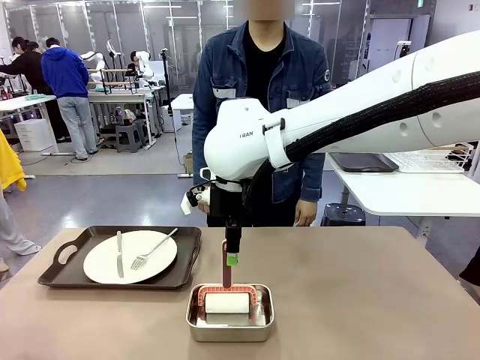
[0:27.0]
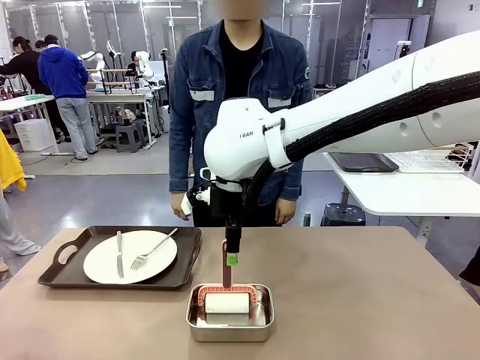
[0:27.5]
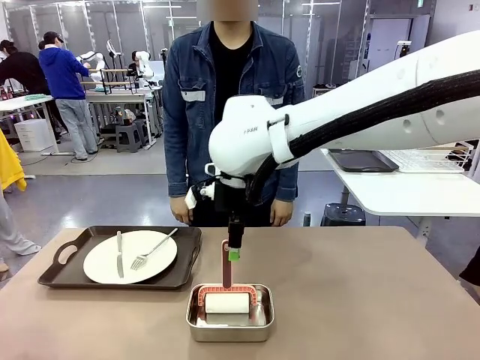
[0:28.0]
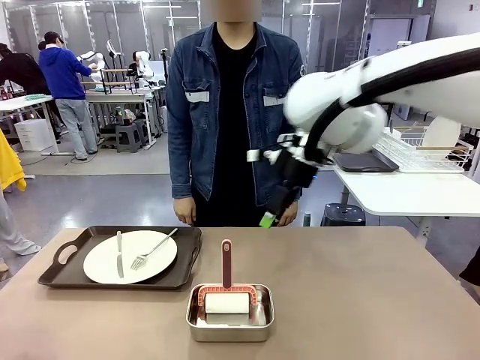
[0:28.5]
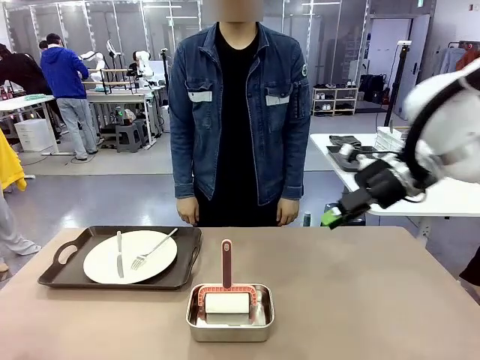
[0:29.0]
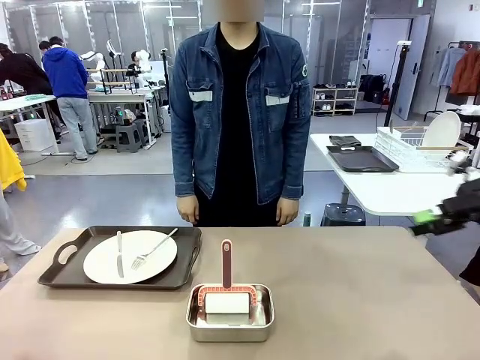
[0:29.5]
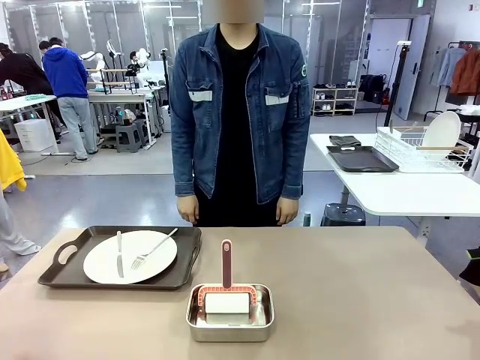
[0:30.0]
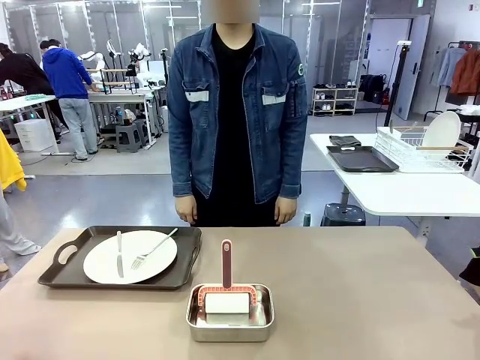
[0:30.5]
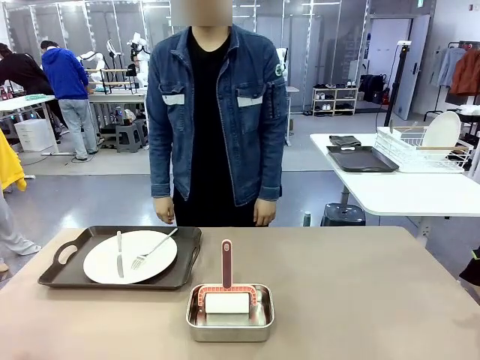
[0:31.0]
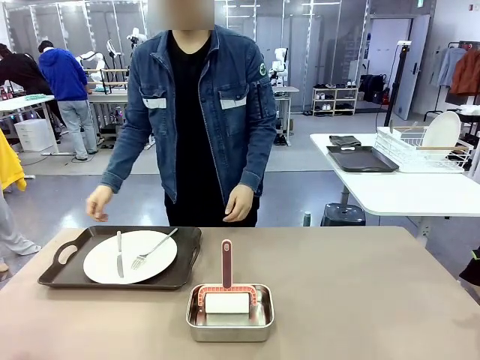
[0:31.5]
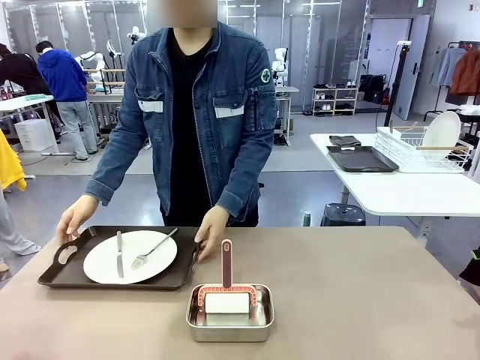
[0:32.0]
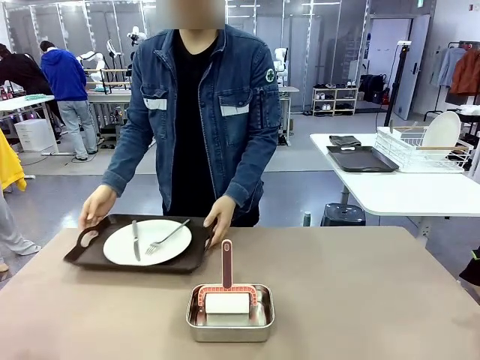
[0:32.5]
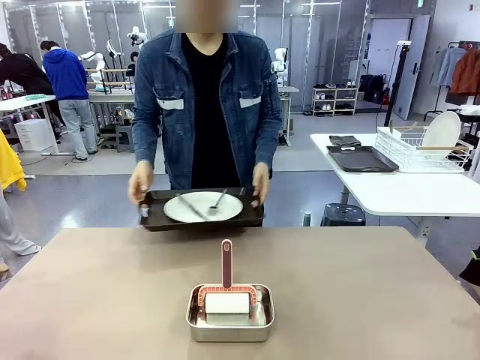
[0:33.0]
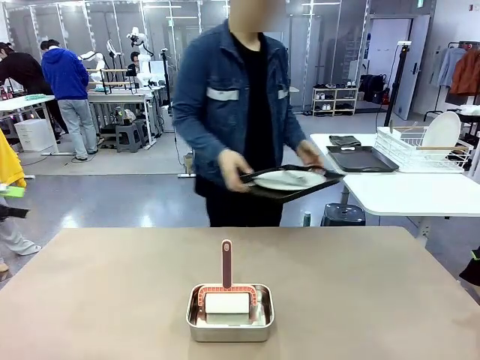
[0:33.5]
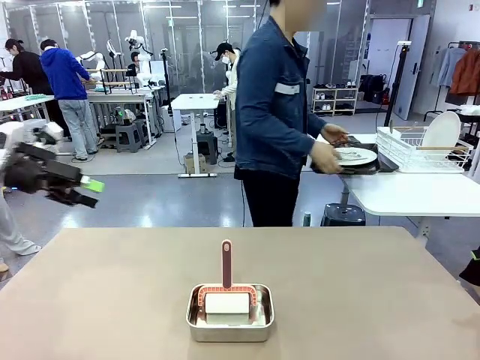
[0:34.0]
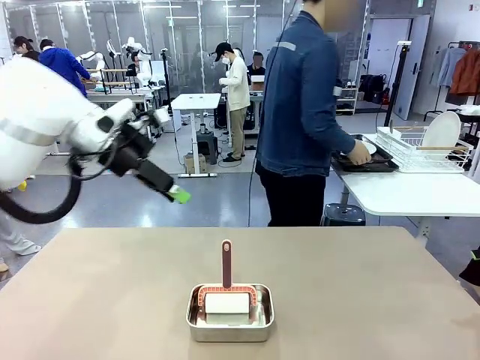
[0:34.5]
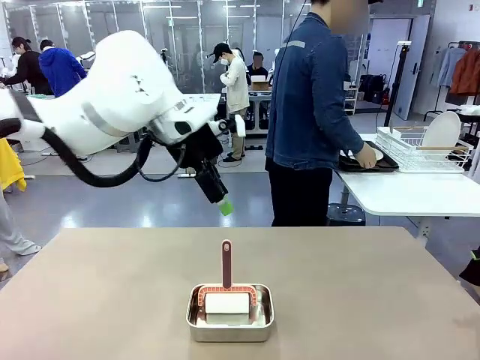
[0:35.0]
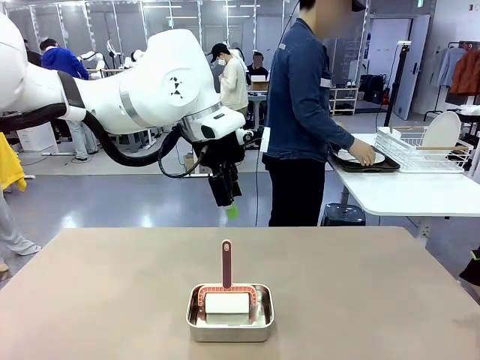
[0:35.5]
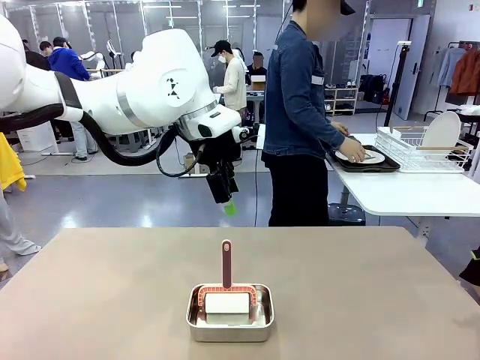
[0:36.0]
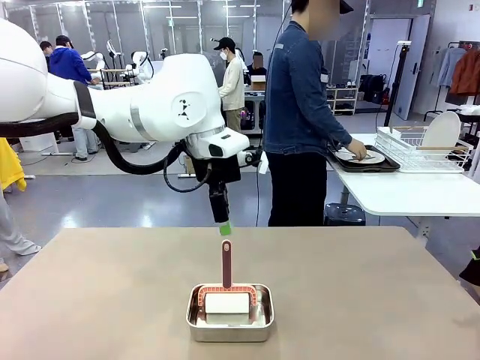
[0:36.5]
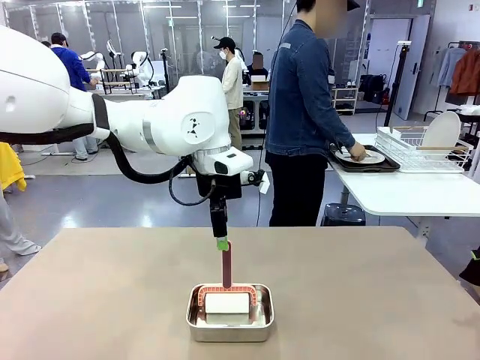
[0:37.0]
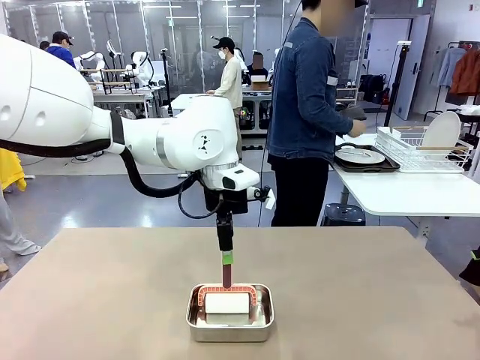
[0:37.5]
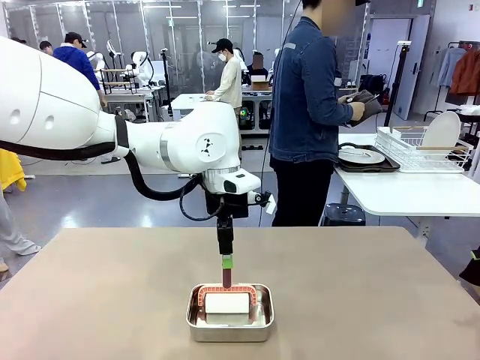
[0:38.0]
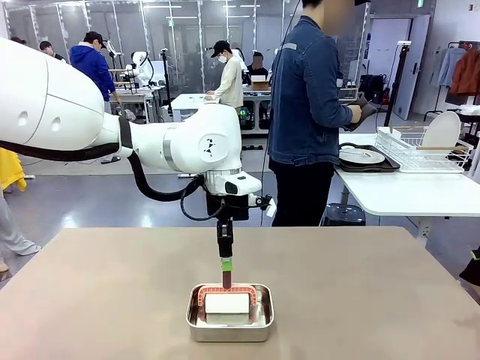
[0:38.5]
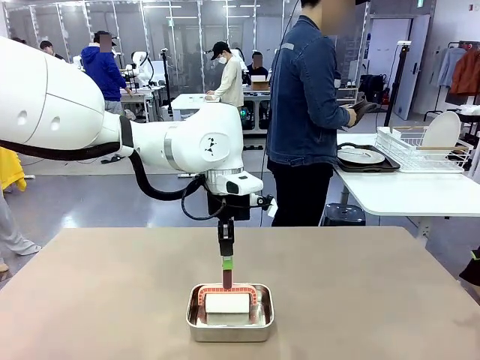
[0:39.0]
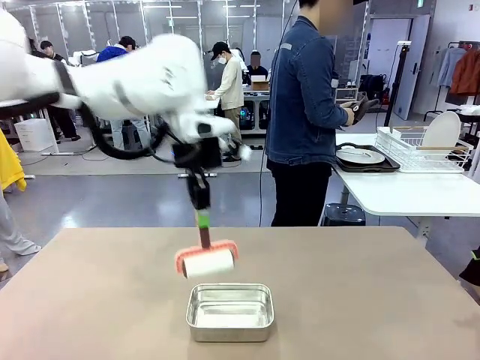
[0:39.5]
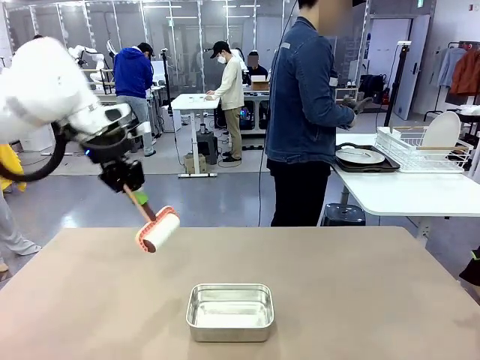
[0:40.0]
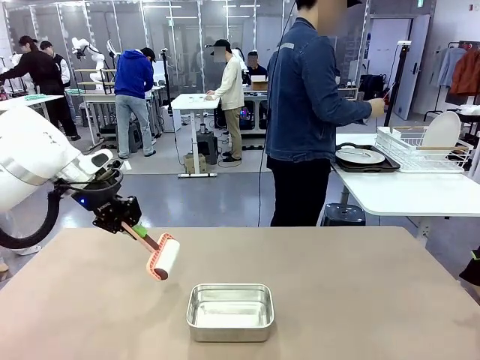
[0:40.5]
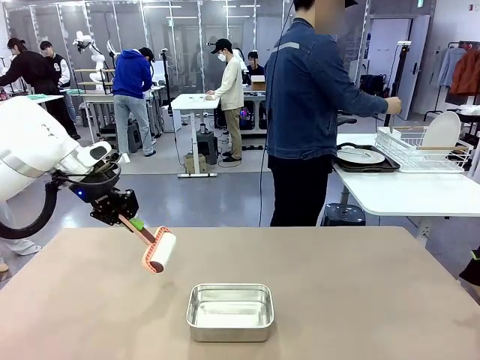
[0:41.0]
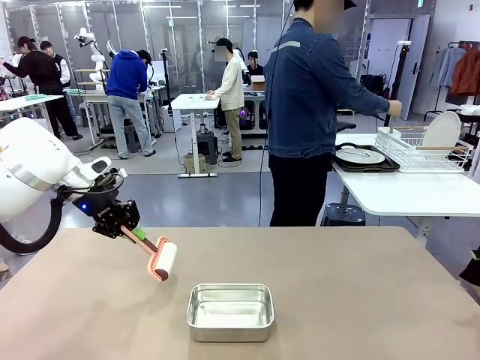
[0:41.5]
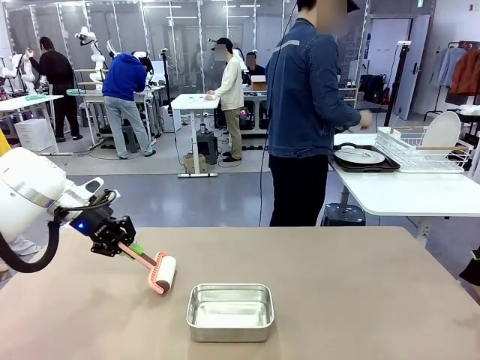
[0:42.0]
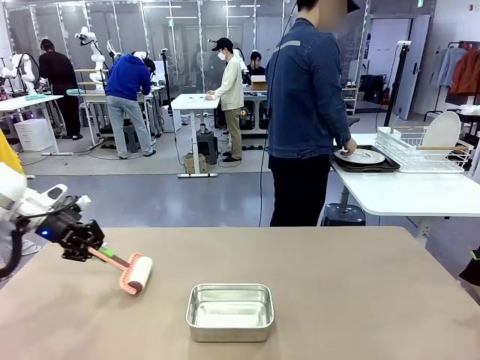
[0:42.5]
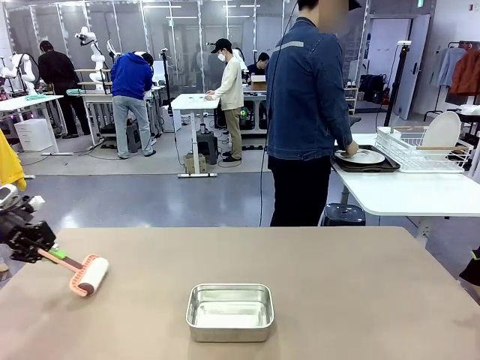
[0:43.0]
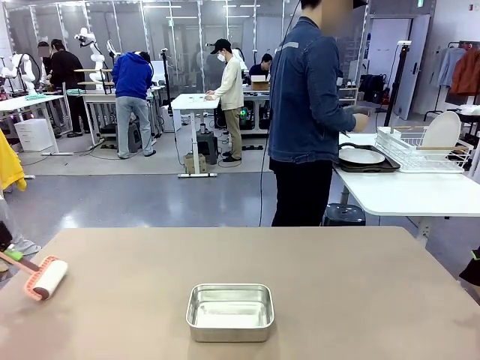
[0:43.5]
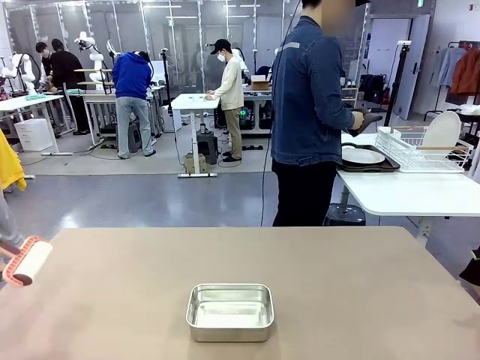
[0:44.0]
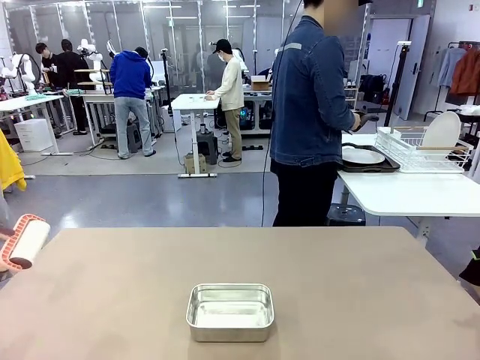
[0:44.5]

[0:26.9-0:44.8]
Robot: When the right (or left) Handle tray is removed, use the right hand (or left hand) to clean the right (or left) side of the table with the Lint Roller.
Person: Pick up the left (or right) Handle tray and place it on the Handle tray.

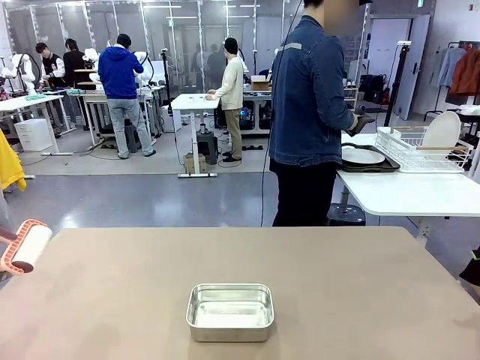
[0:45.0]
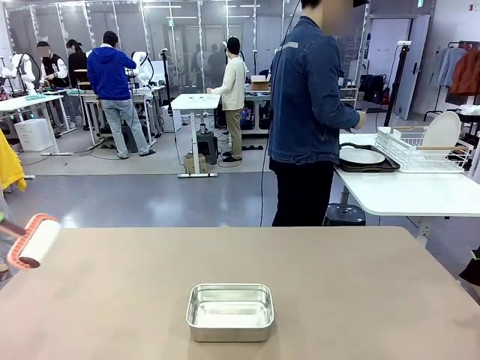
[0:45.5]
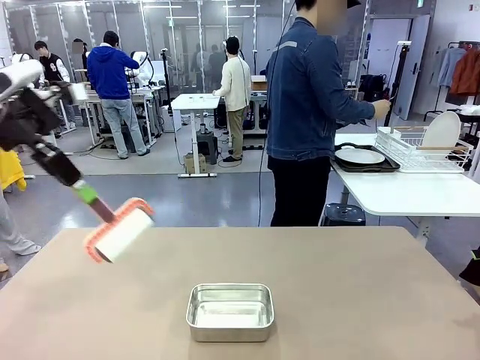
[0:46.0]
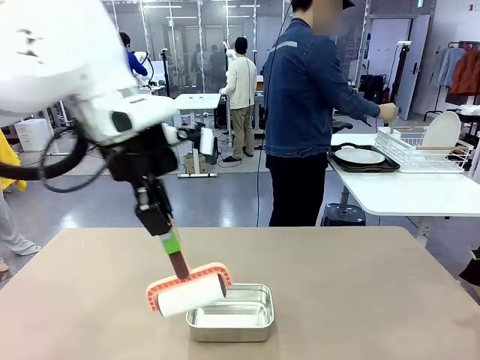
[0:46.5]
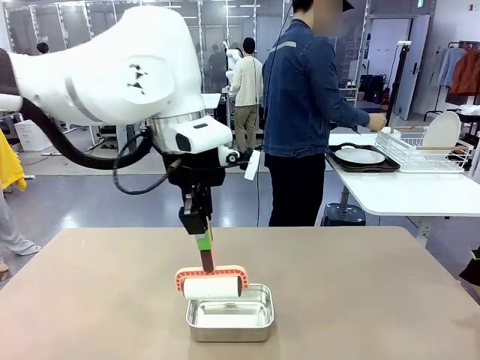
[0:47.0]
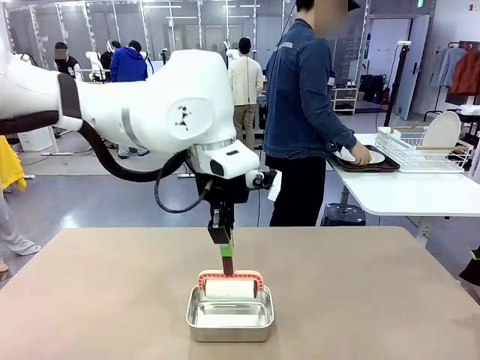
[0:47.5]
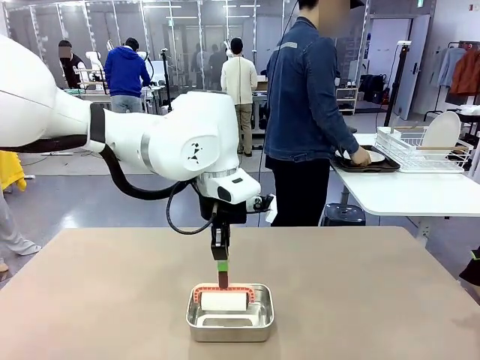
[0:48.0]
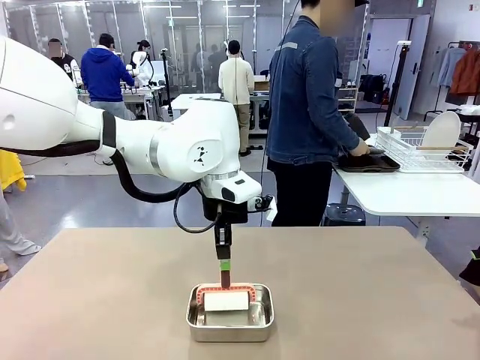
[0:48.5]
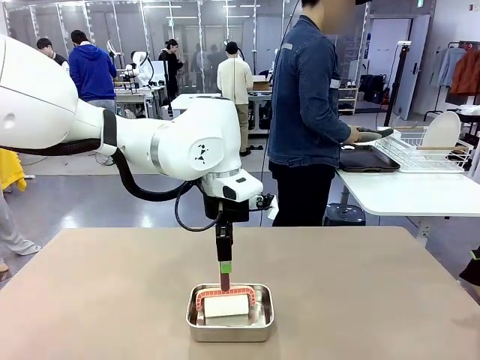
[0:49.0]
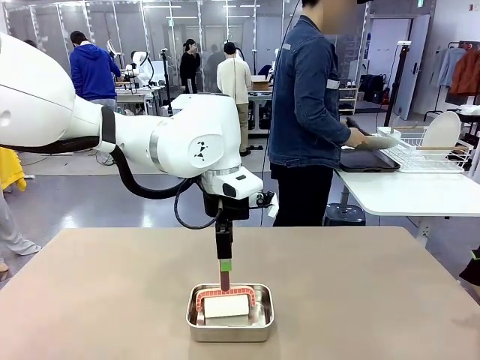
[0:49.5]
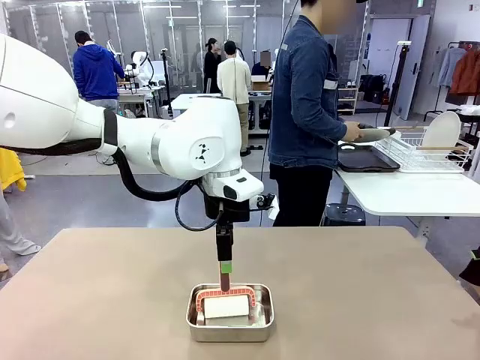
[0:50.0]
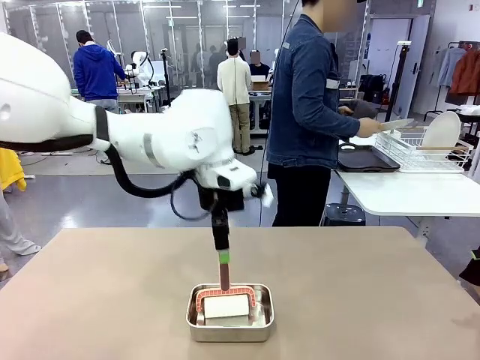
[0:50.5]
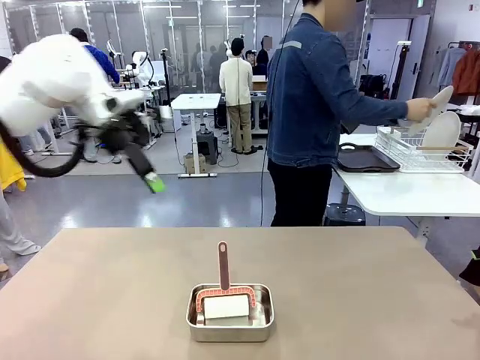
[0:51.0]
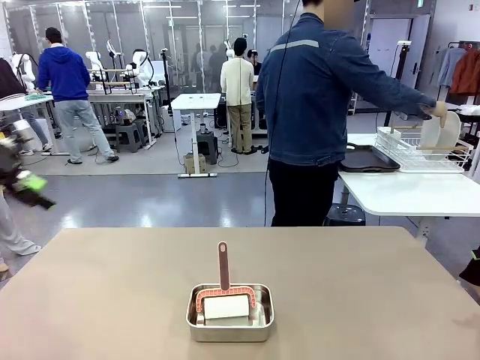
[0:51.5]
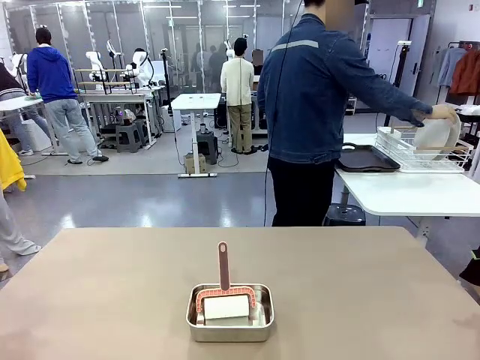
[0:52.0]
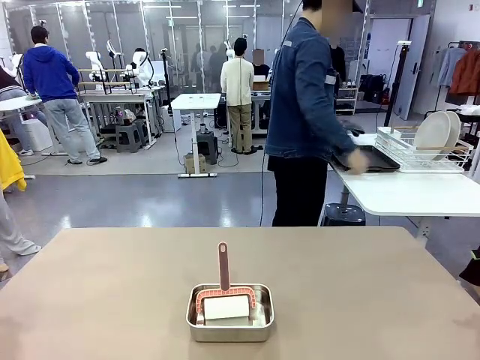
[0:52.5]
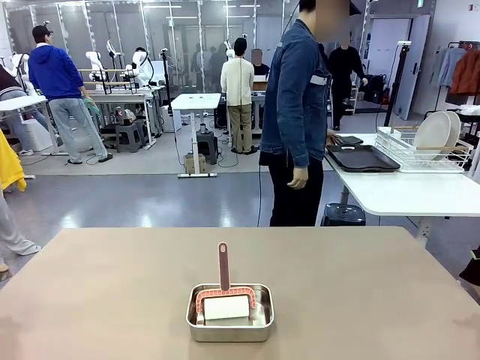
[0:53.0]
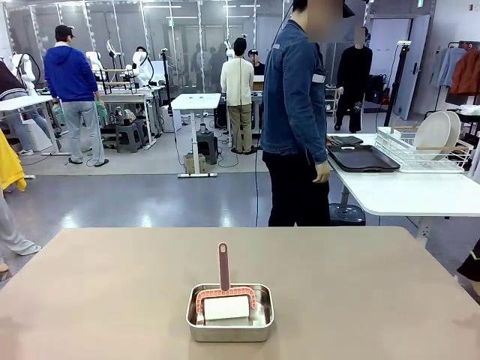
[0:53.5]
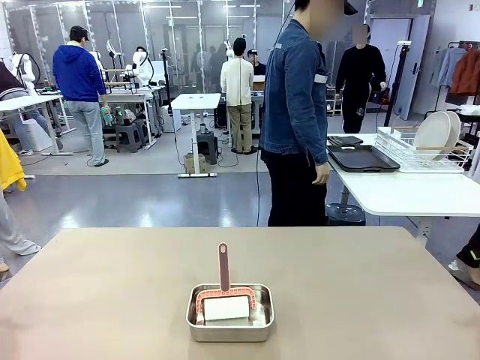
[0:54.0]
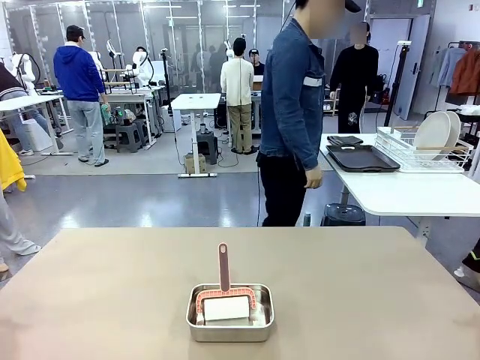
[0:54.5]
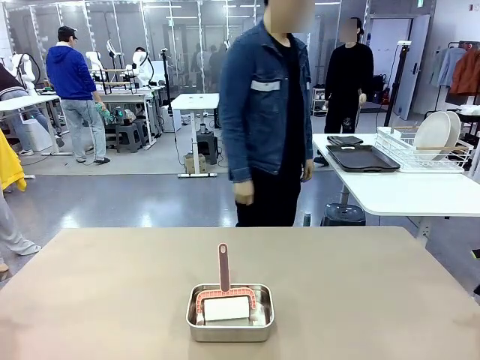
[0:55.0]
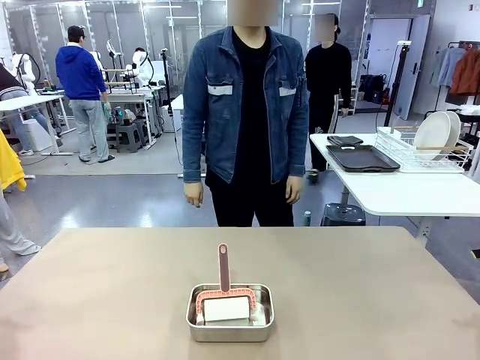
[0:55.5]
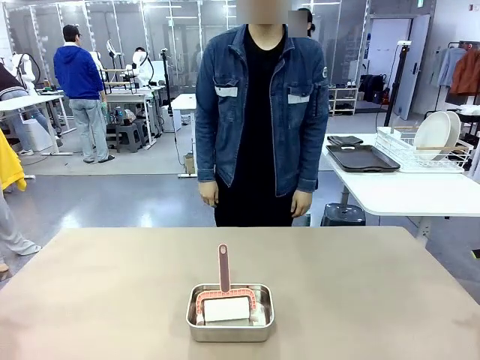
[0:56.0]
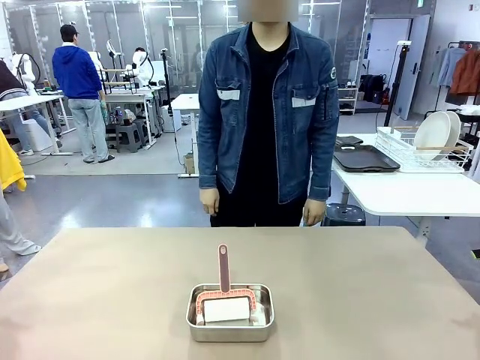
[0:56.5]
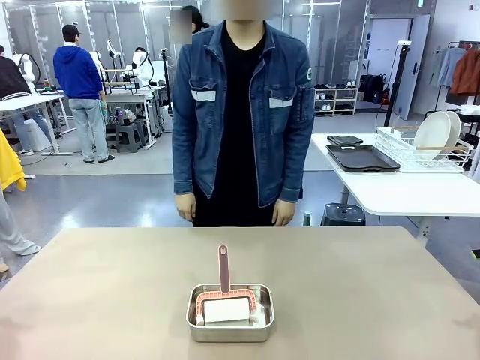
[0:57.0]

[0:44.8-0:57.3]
Robot: Place the Lint Roller back on top of the Airtight Container.
Person: Use the Towel with hook to wipe the Plastic Matte Plate , Fork , and Knife and place into the Dish drying rack.
